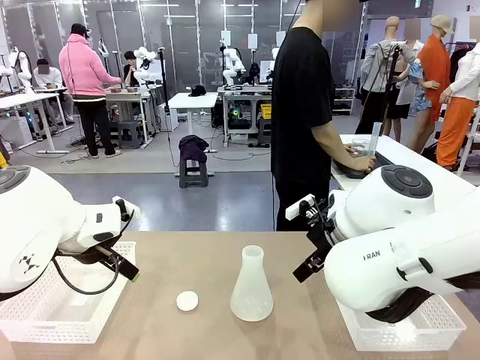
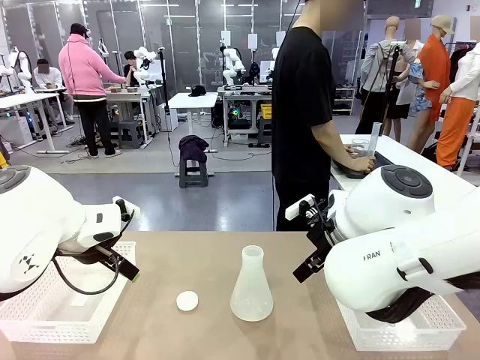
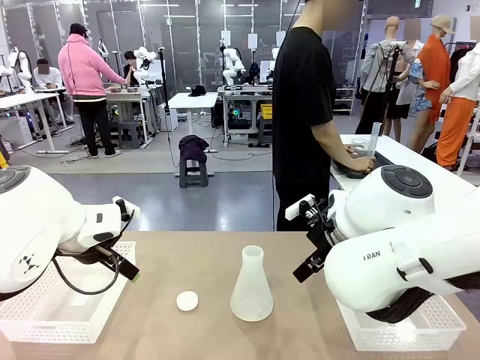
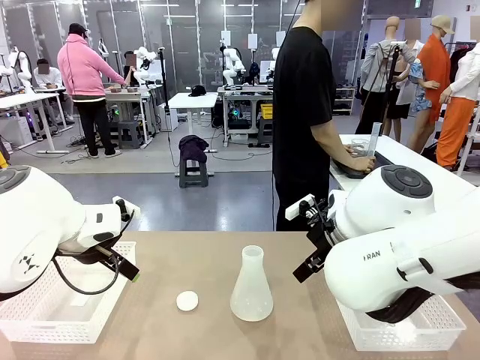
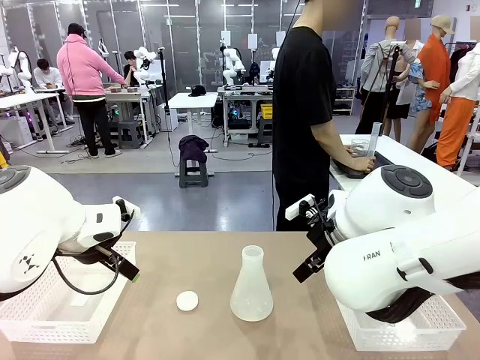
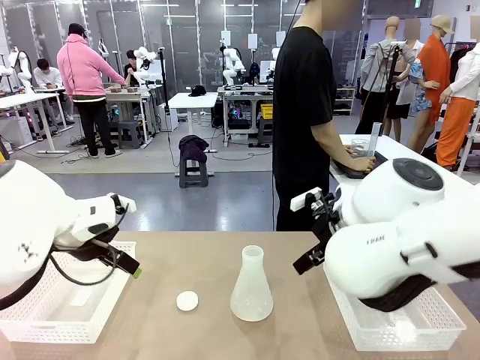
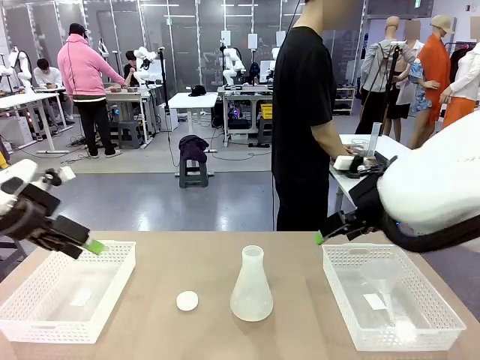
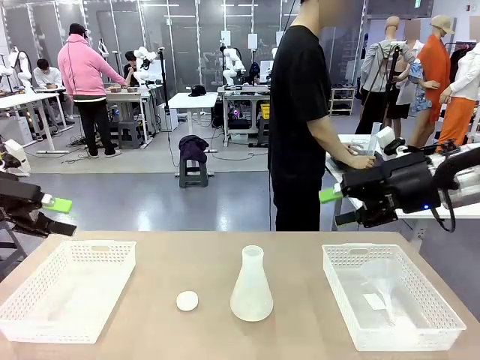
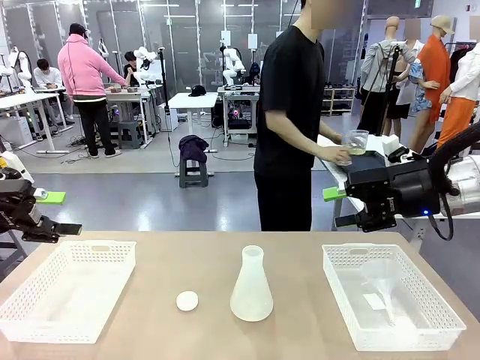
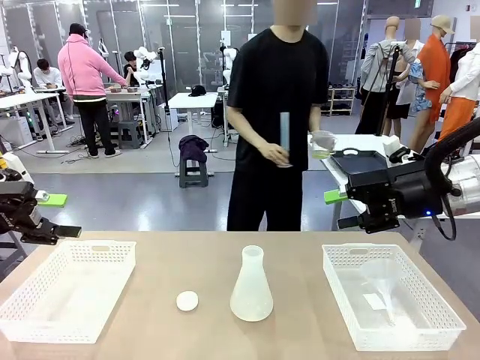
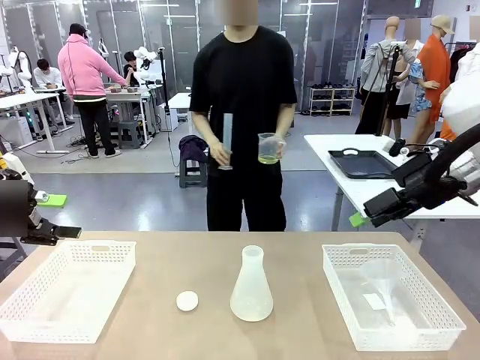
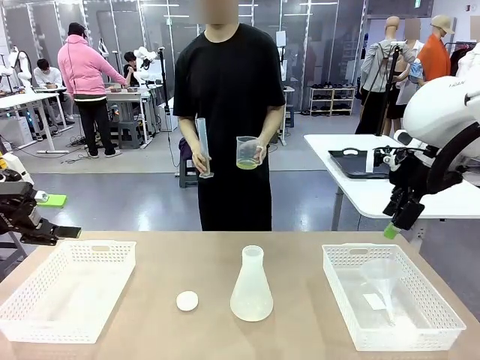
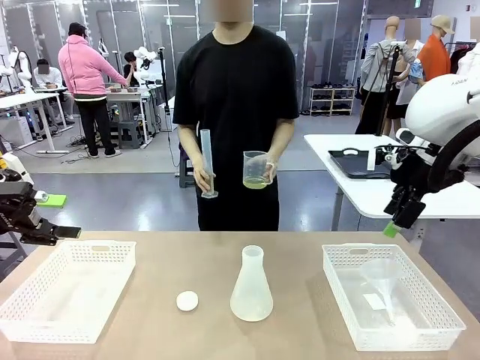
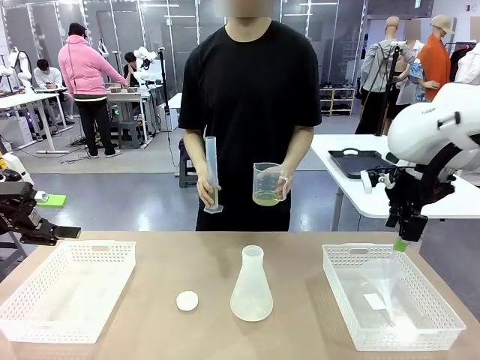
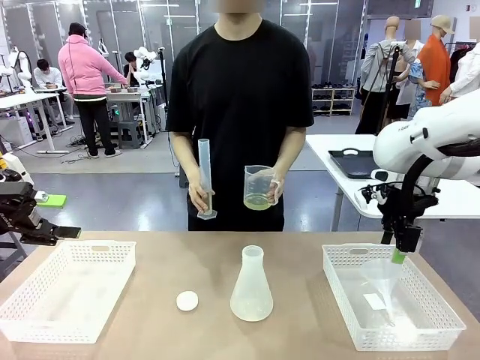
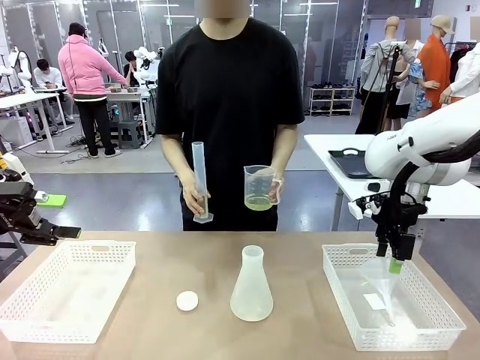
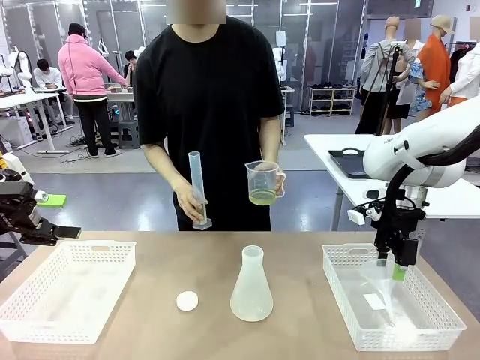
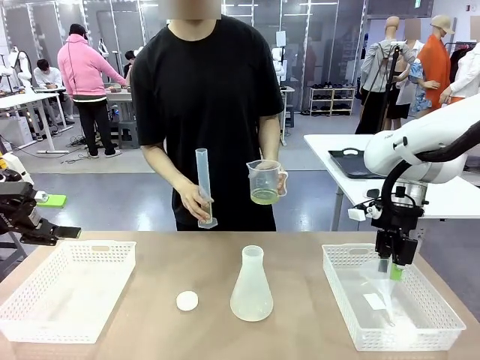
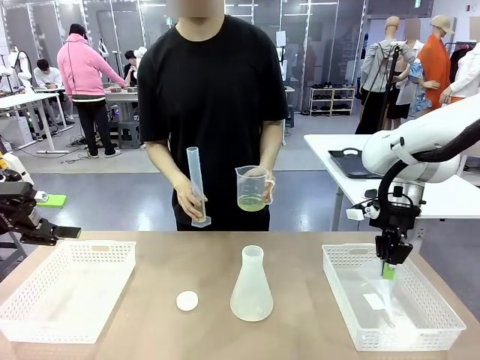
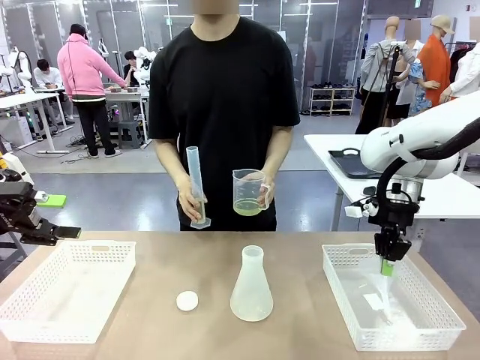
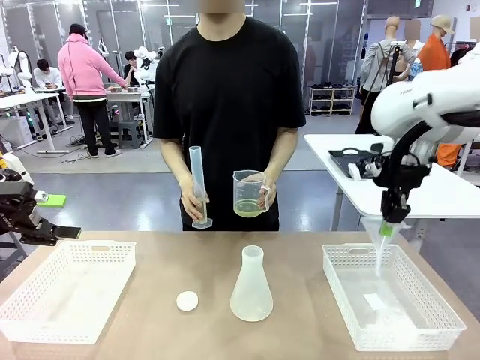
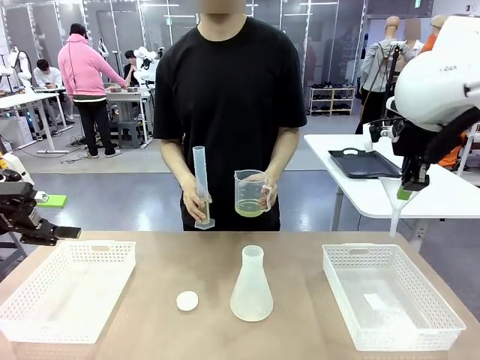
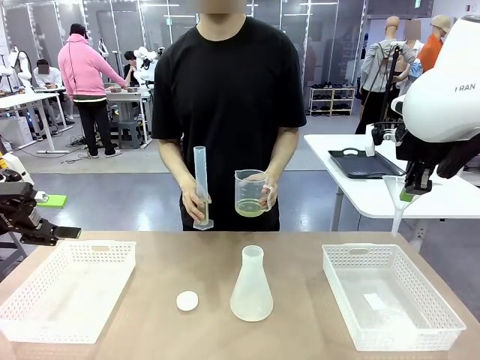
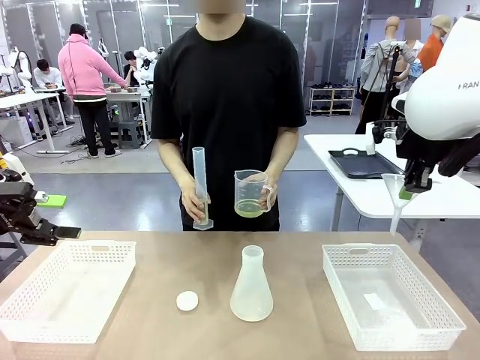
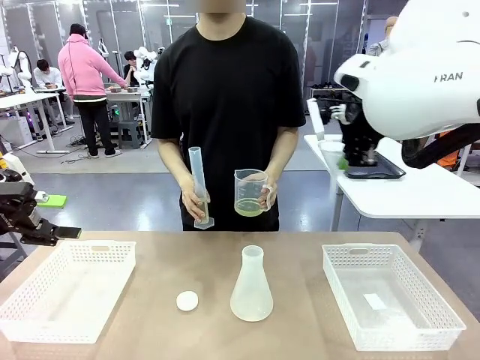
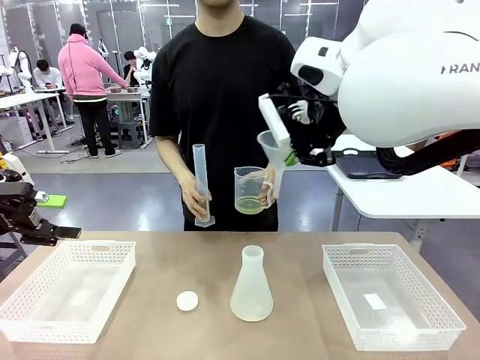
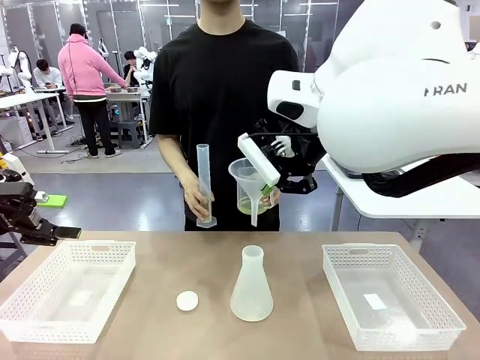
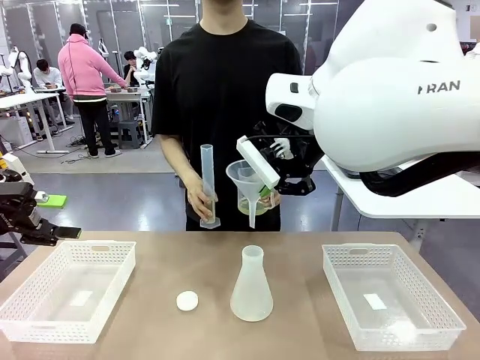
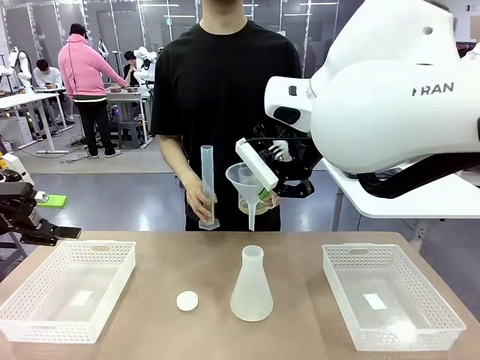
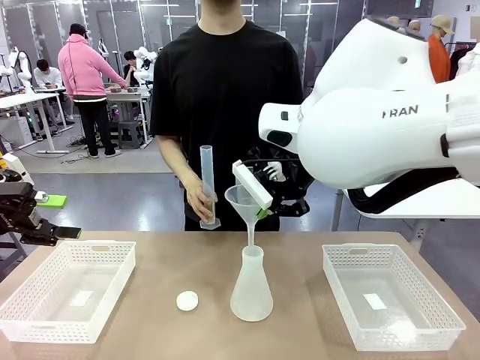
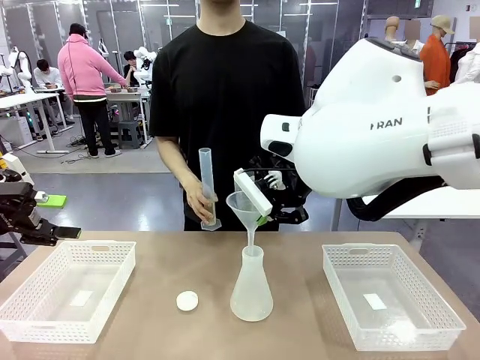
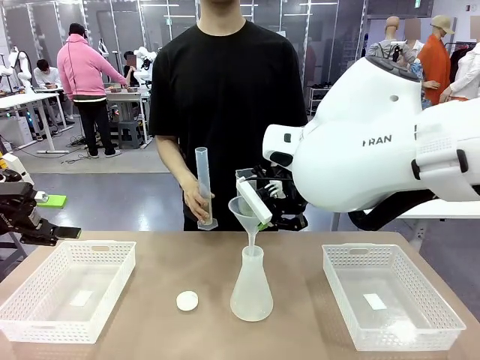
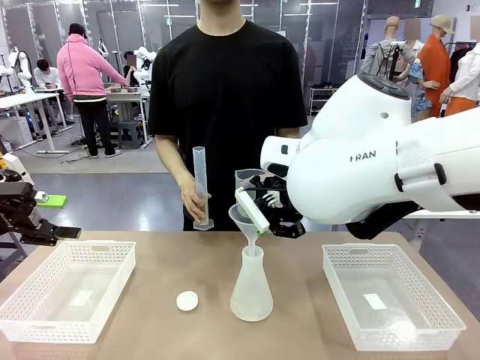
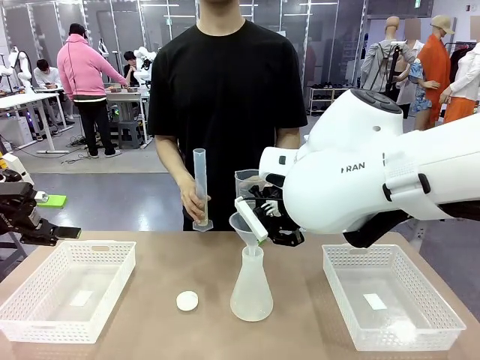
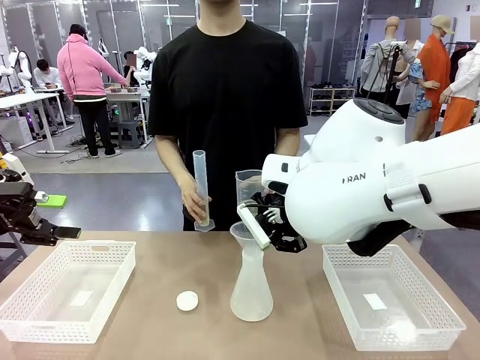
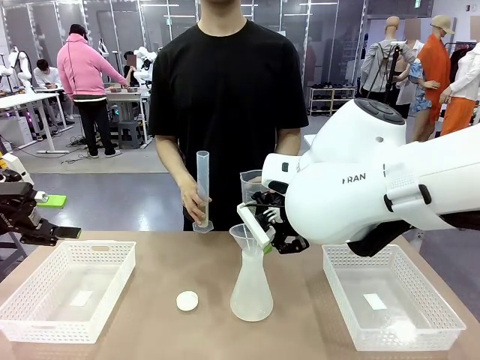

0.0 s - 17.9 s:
Task: Prepare the solutions needed for the experiment.
Robot: Pick up the Plastic Funnel and insert it into the Big flask.
Person: Pick up the beaker and the cylinder and move to the middle of the robot table. Pour the solution from the beaker and the cylinder into the flask.

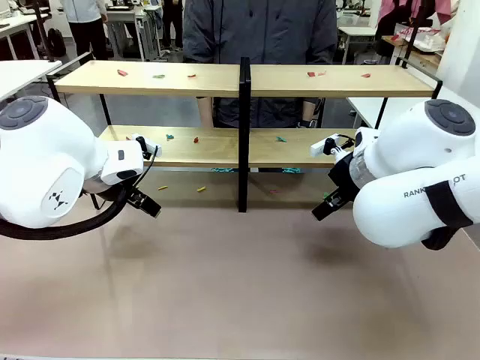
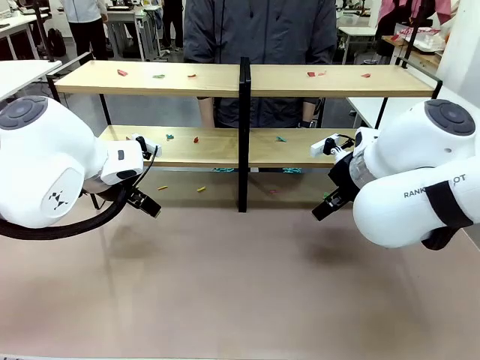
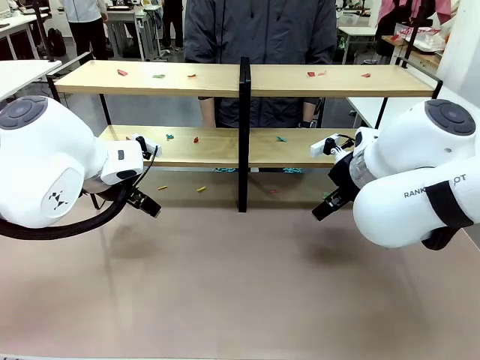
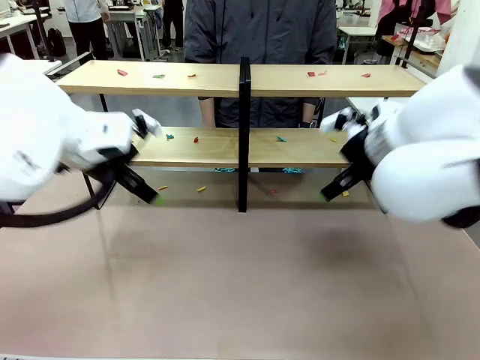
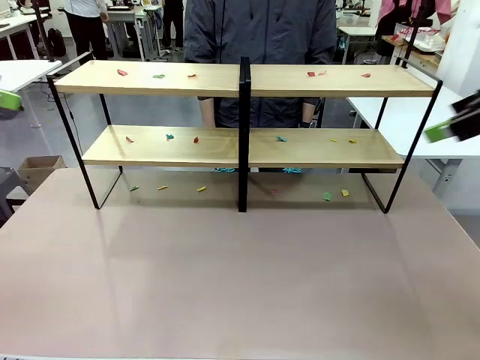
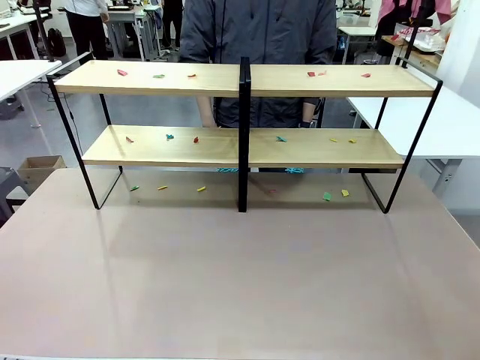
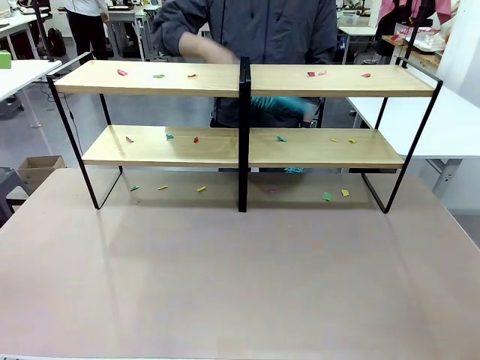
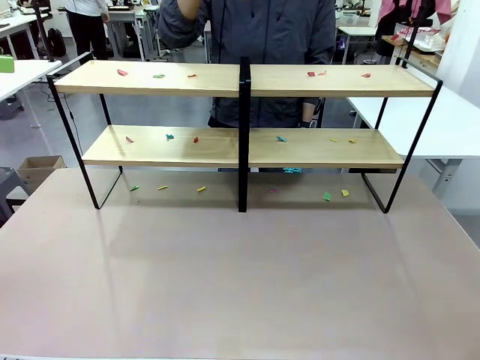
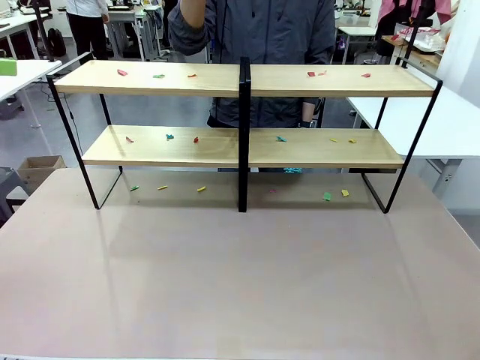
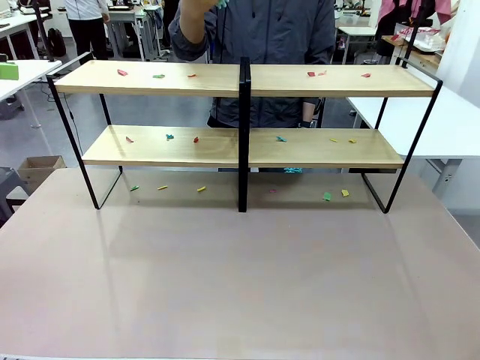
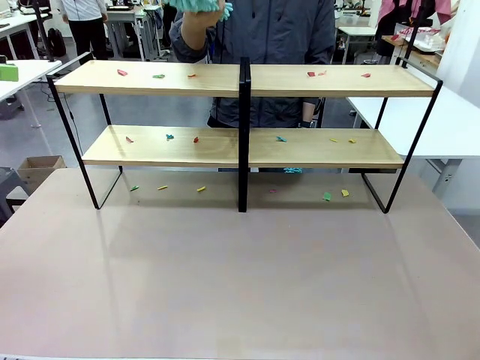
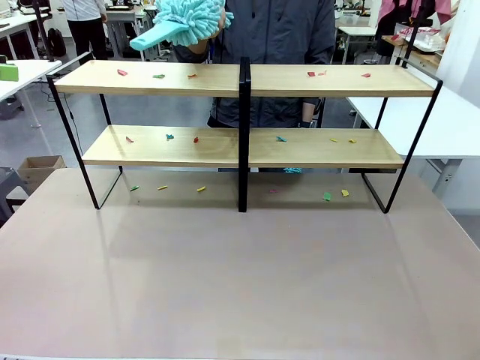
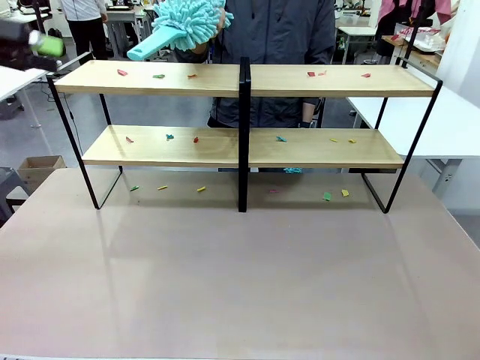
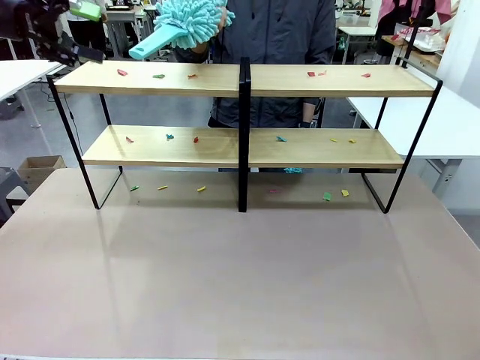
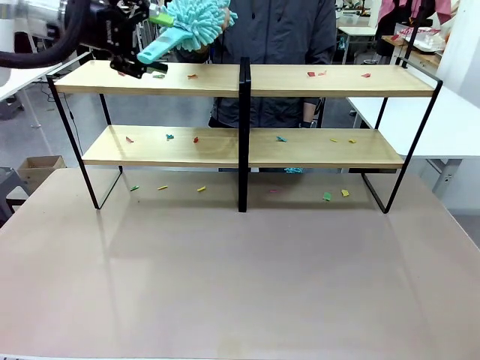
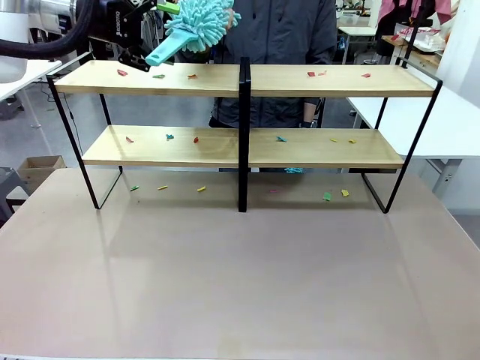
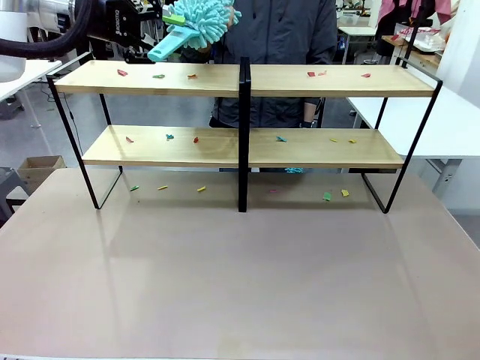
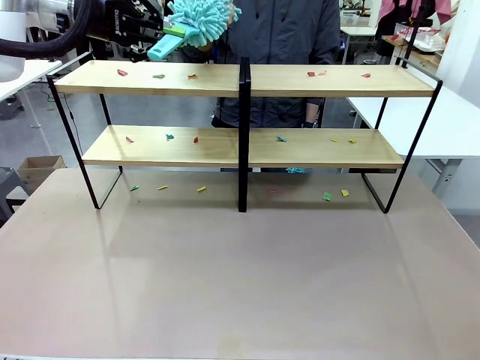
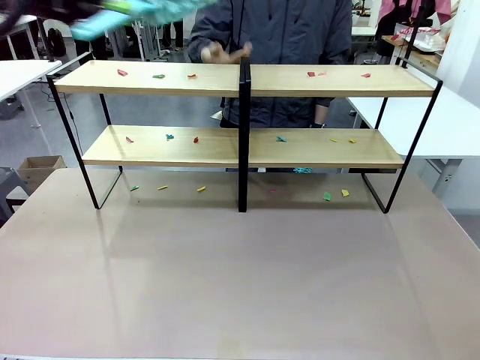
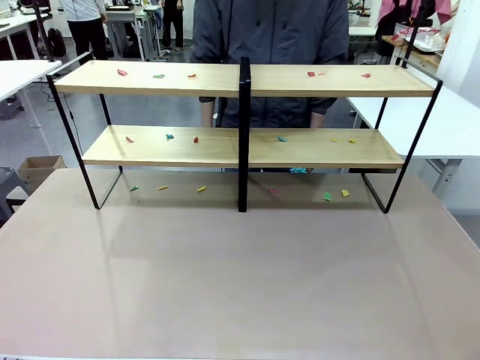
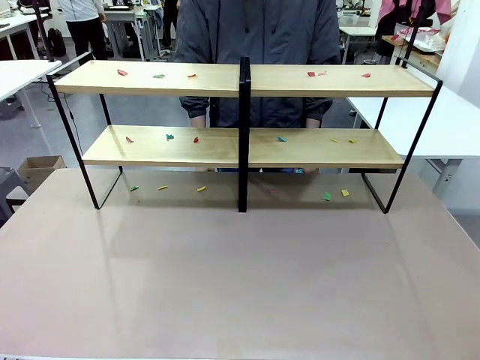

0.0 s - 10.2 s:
Task: Clean the shelves.
Robot: Pick up the Duster when the human hands it over.
Person: Hand the Duster to the robot with your right (or left) hand.
